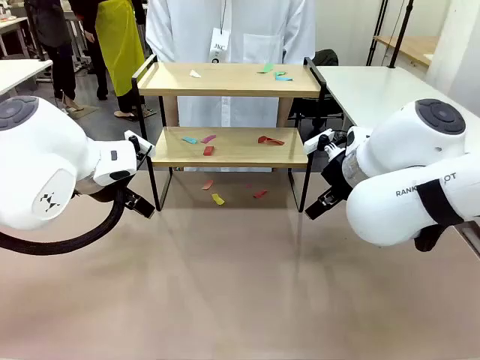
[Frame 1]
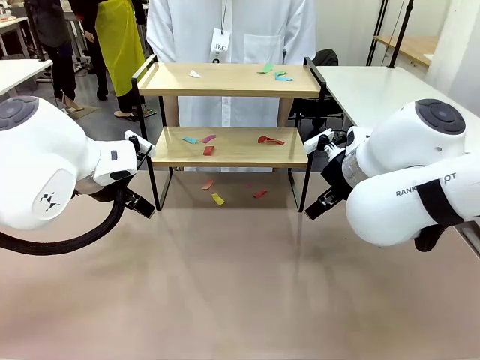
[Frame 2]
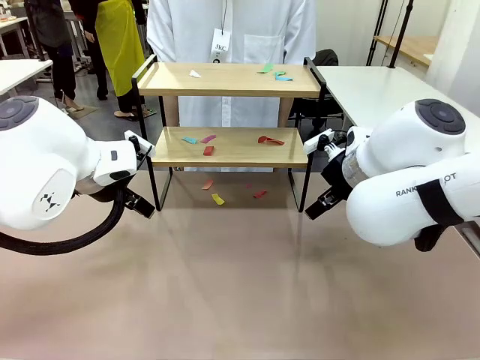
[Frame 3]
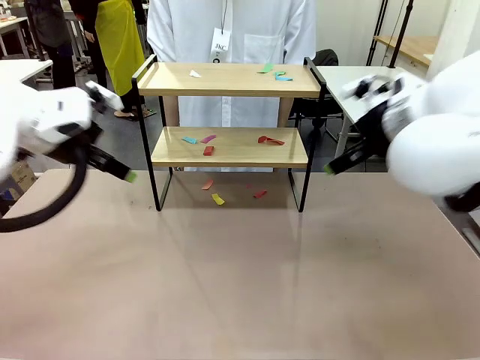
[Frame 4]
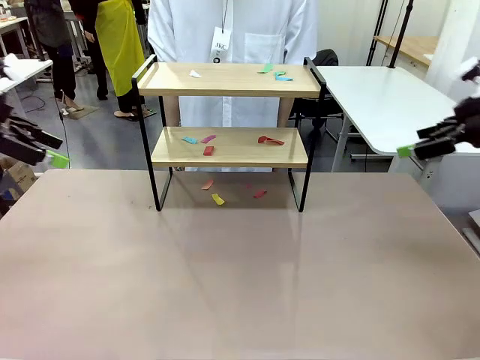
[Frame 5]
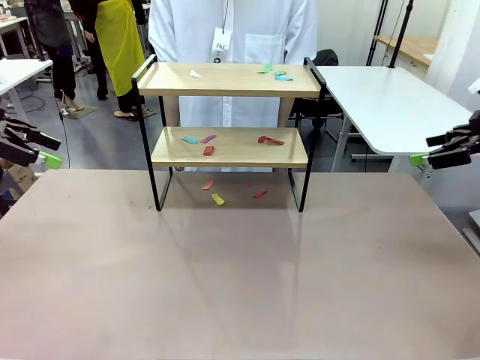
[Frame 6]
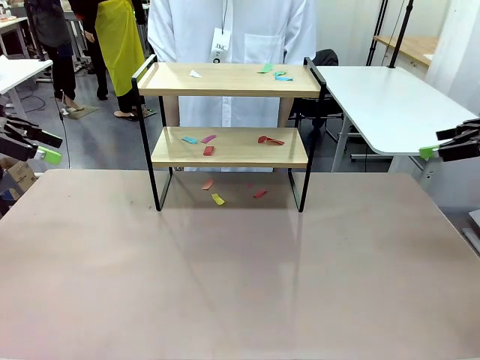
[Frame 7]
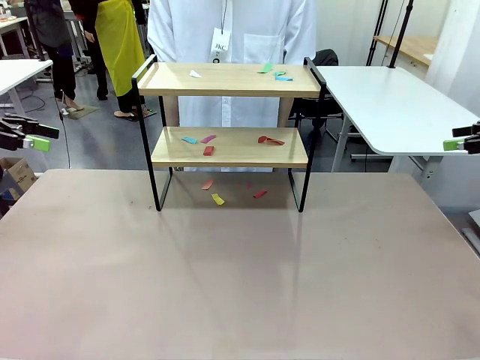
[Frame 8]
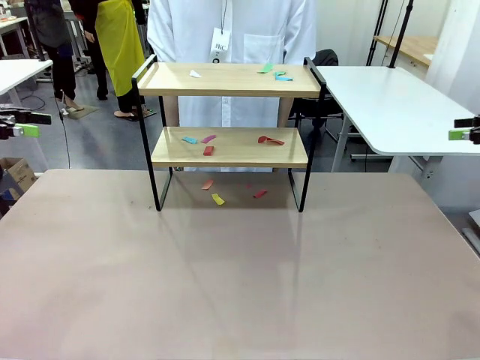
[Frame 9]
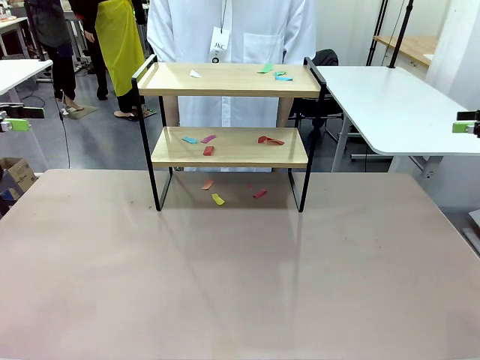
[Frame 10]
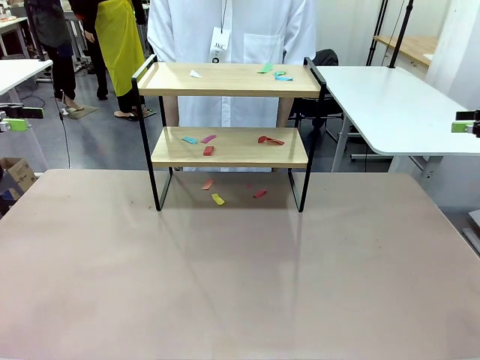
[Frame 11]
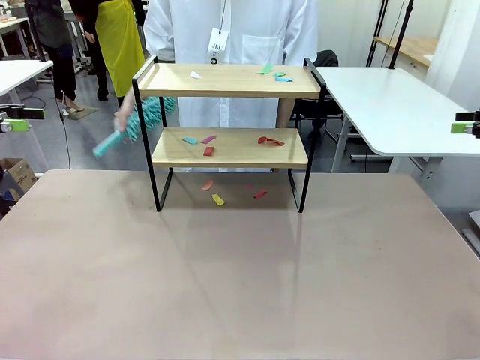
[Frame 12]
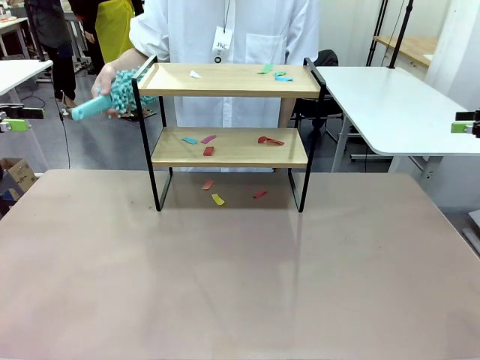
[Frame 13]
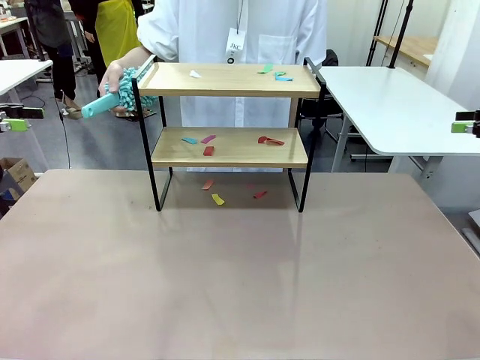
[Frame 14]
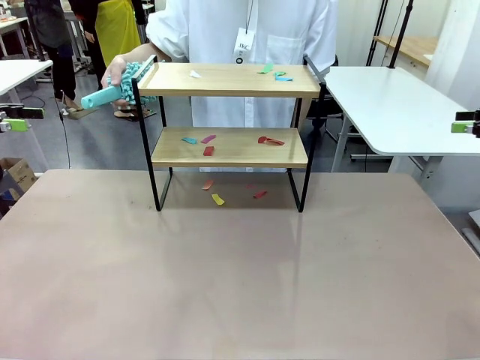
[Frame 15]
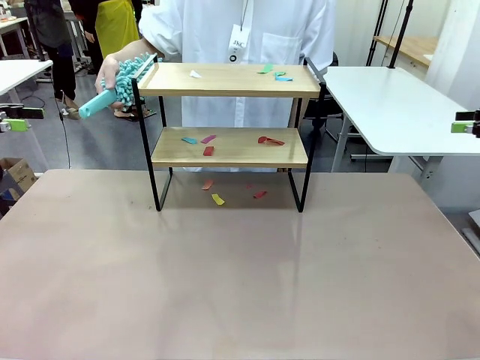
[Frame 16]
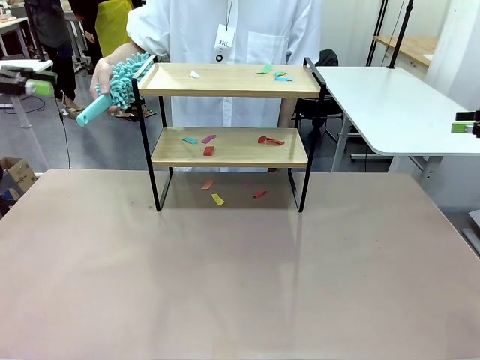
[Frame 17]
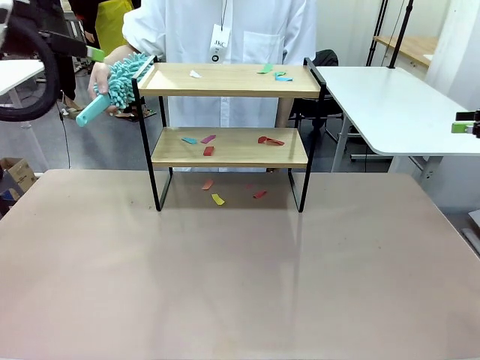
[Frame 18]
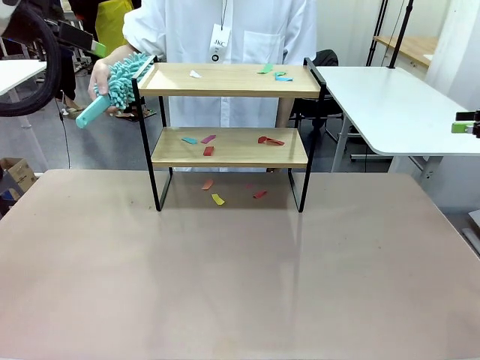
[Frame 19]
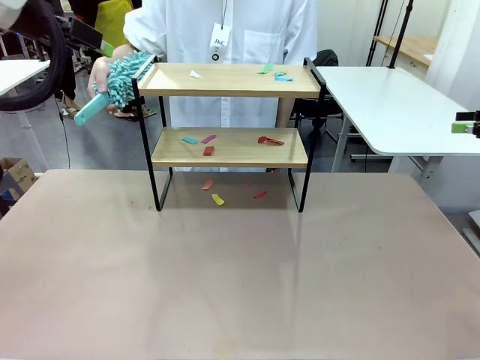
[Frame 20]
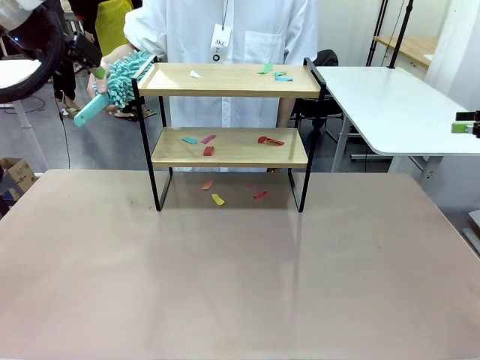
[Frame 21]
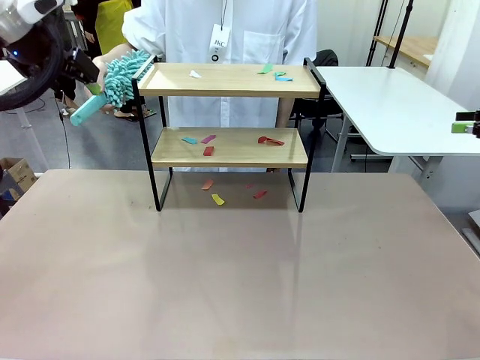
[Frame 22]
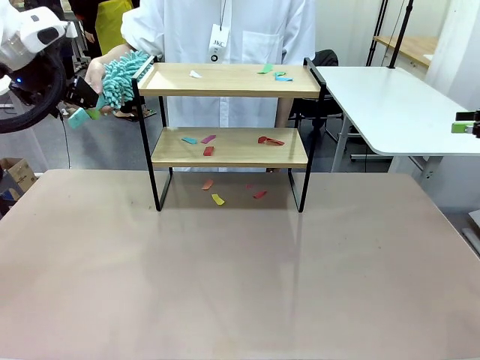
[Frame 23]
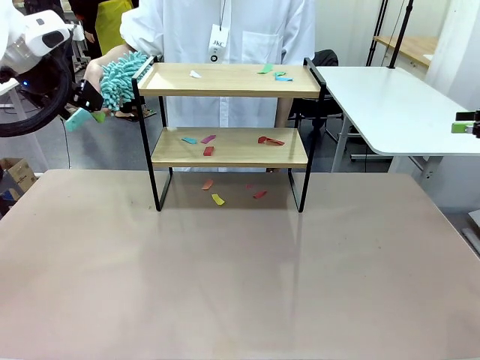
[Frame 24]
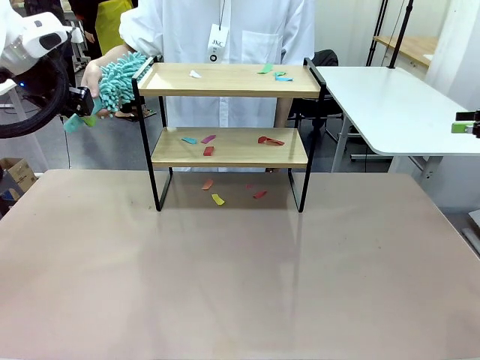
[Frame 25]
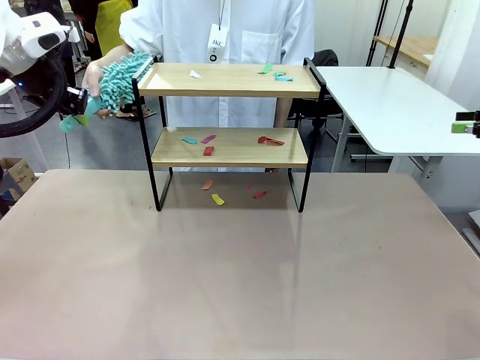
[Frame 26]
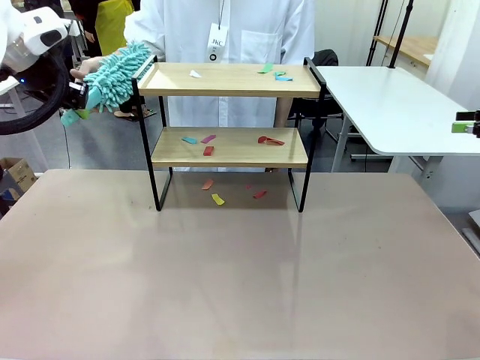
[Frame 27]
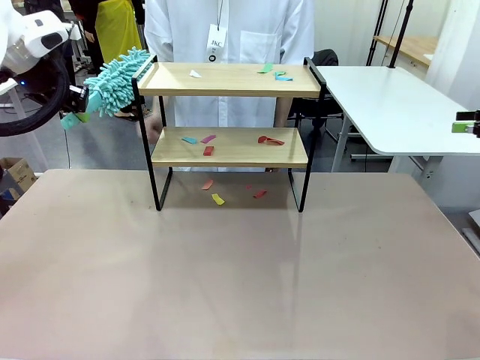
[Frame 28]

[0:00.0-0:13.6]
Task: Clean the shelf.
Robot: Pick up the Duster handed by the human.
Person: Hand the Duster to the robot.

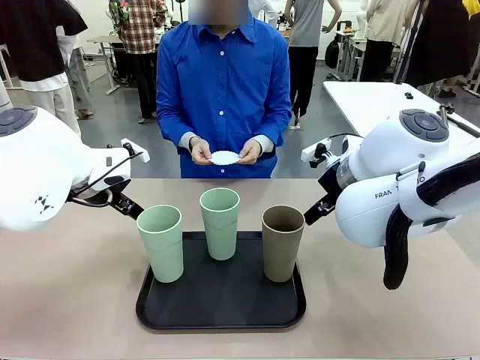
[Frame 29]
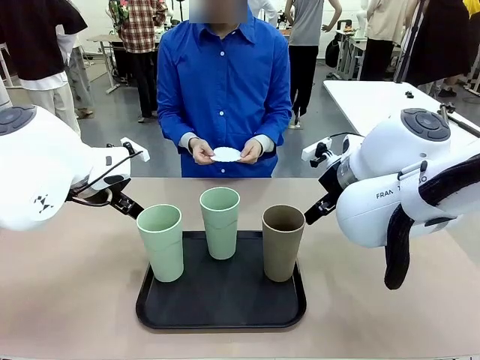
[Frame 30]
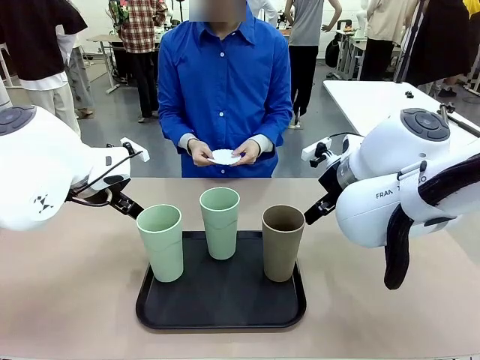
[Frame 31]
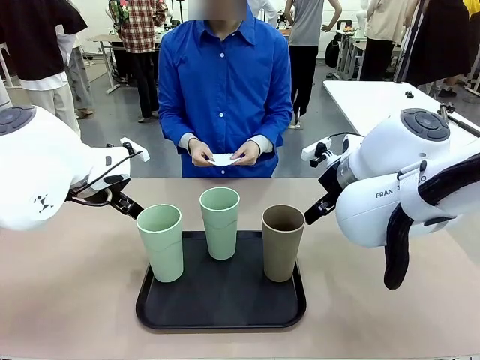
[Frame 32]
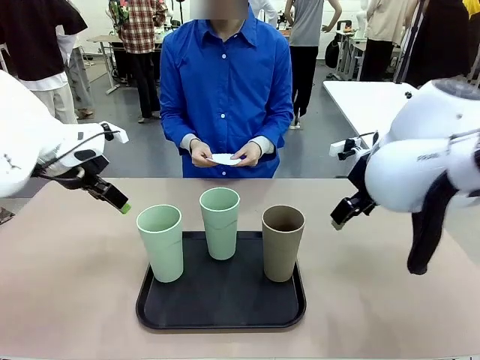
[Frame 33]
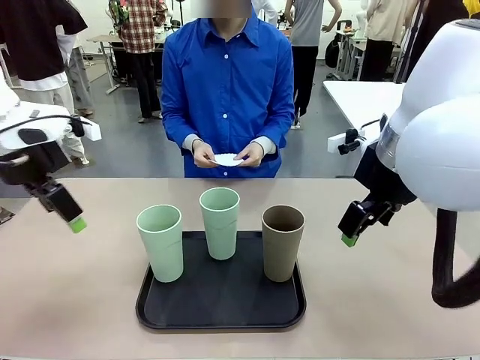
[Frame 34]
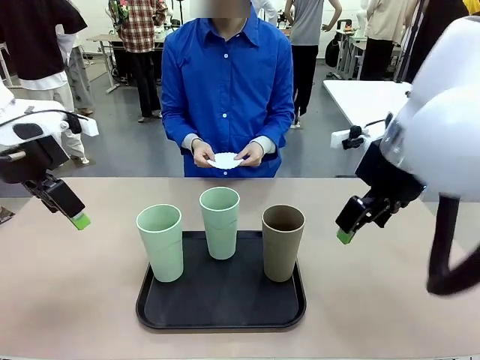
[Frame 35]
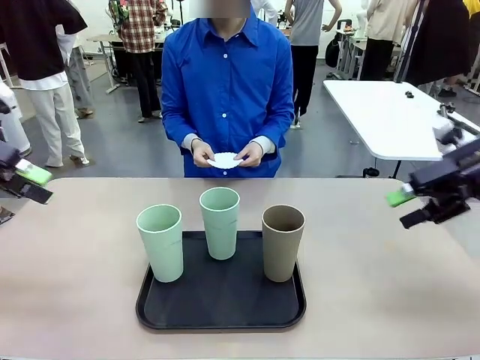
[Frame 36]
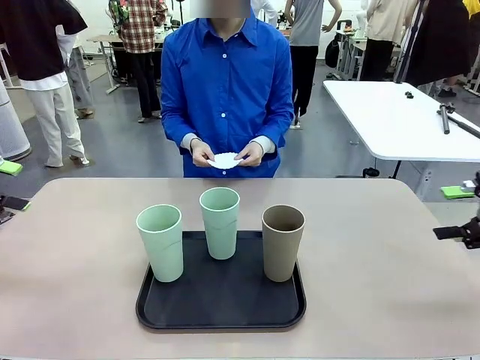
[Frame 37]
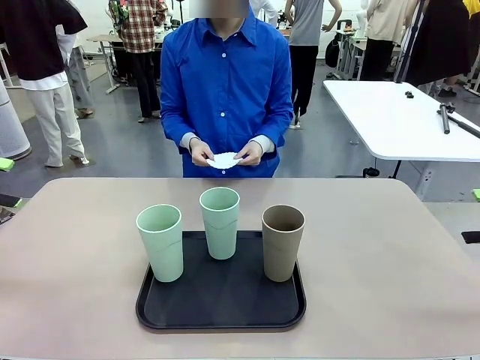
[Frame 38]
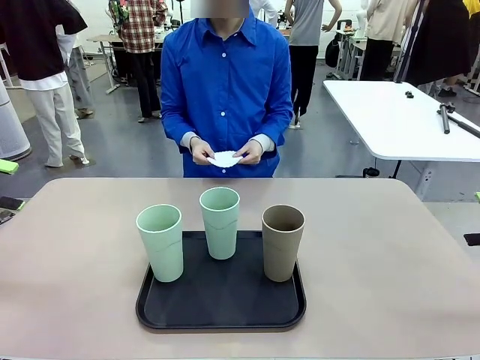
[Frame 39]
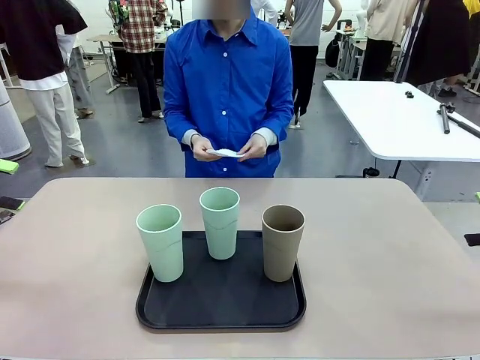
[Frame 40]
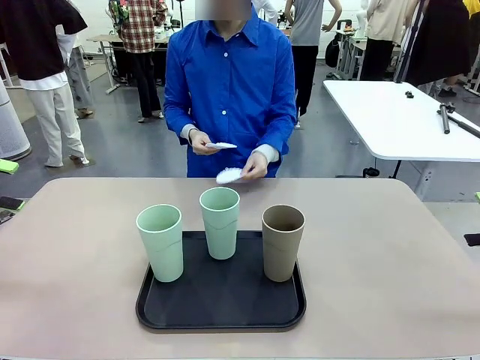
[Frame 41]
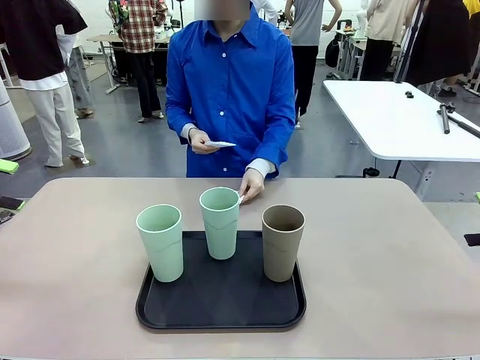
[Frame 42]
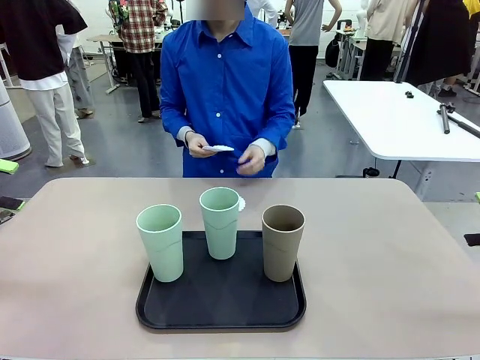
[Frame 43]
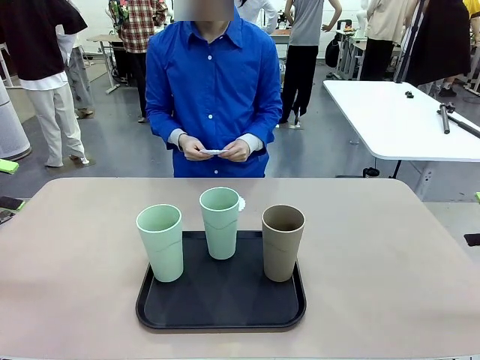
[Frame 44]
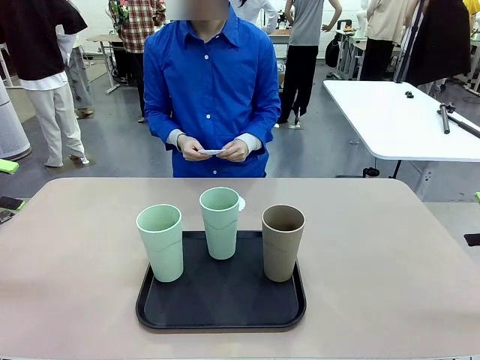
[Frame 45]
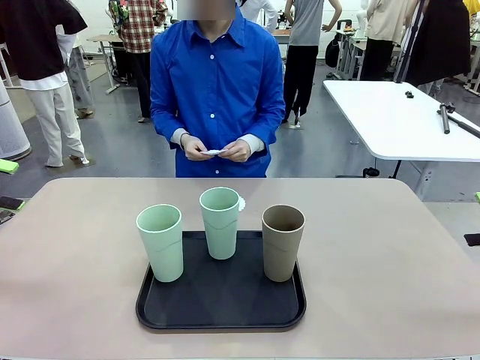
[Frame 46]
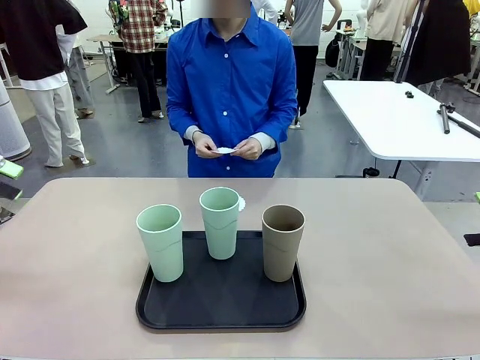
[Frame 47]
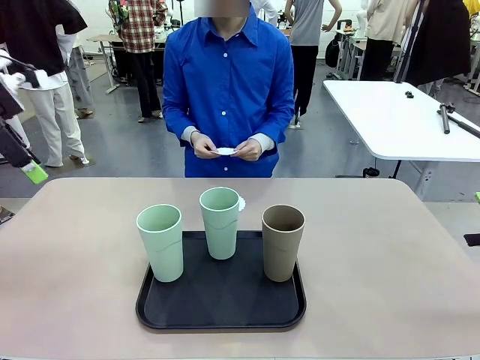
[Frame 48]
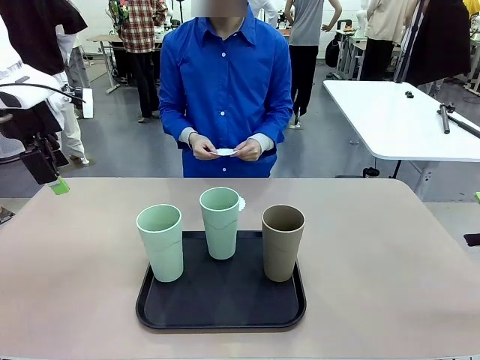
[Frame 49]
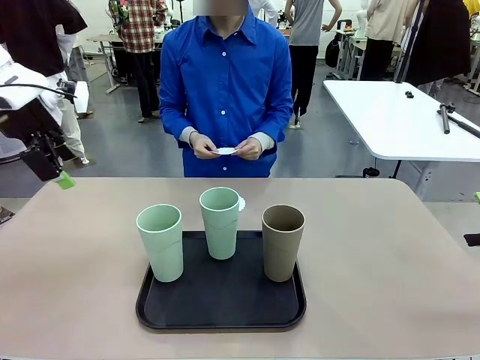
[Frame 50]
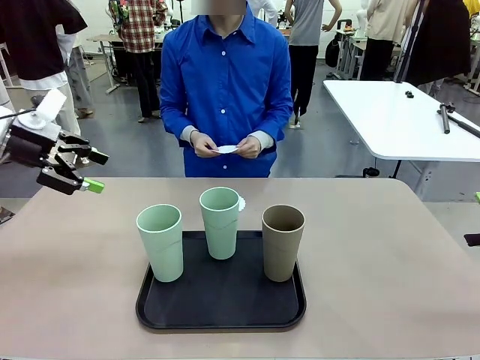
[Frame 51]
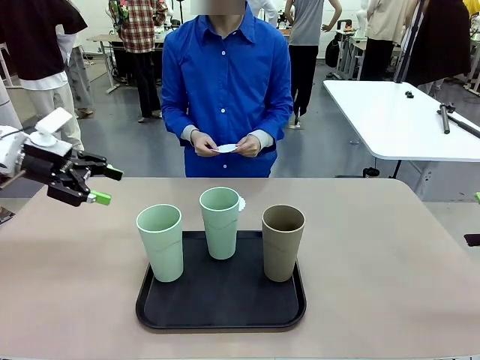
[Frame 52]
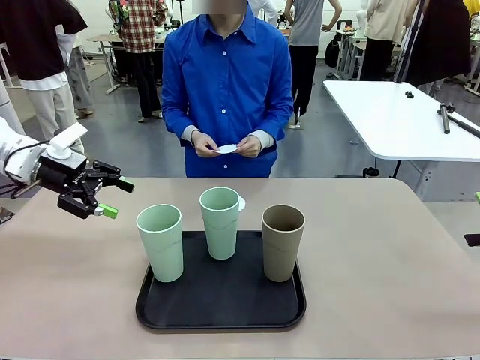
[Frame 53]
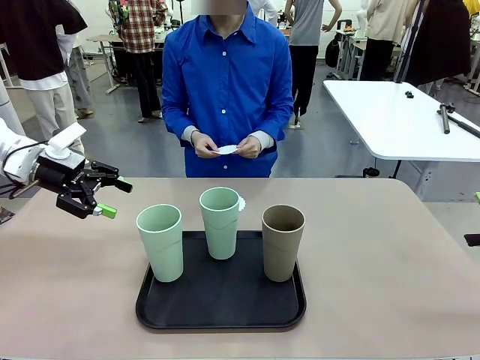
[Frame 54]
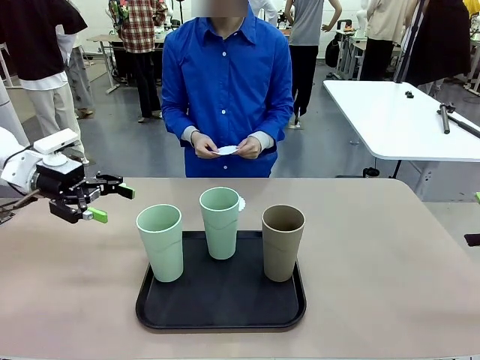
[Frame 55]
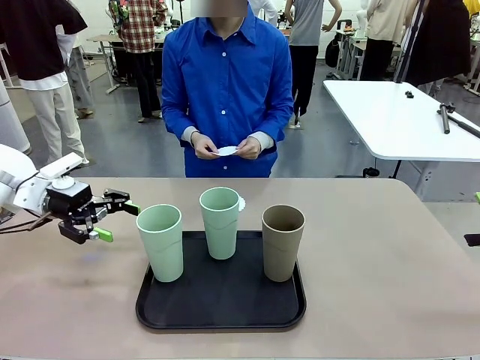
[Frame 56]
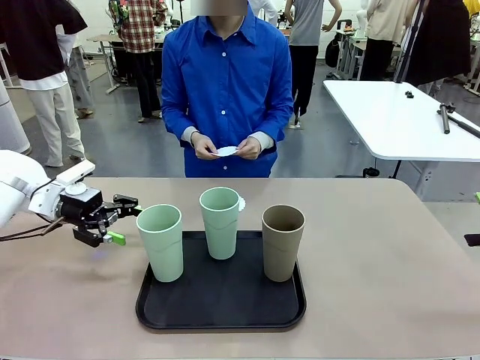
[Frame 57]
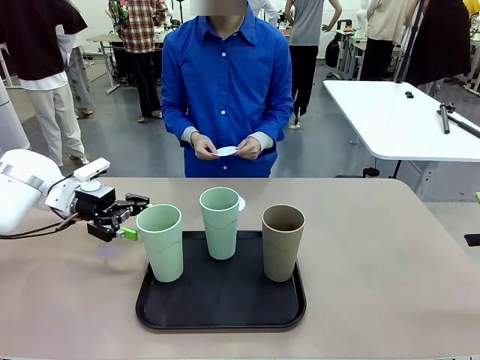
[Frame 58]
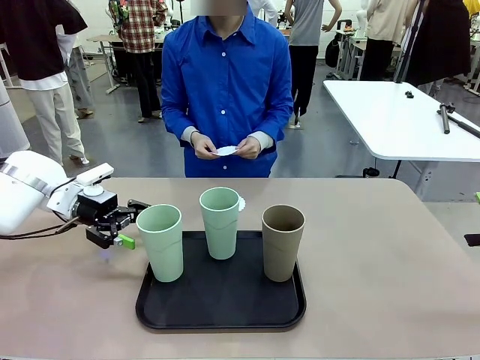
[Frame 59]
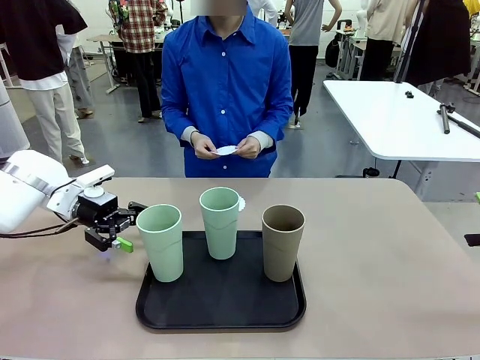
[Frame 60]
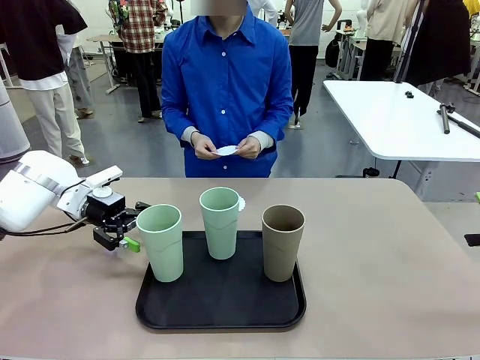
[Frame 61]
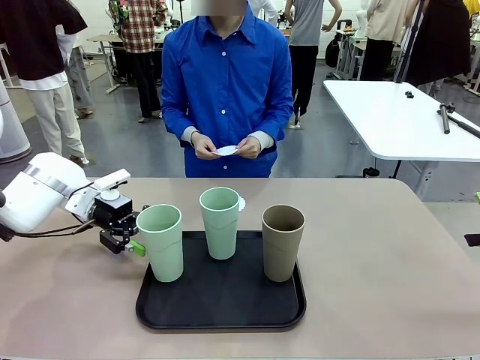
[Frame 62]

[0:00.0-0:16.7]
Task: Place coasters on the table and set cups on them.
Robot: Pick up one Reusable plastic cup and place it on a coaster set by the human.
Person: Place one coaster in any one of the three lower areas of the robot table (left, center, or right).
